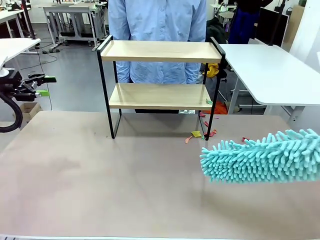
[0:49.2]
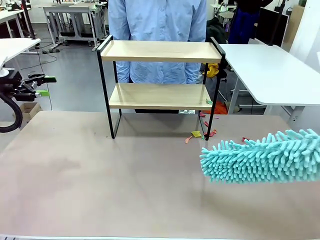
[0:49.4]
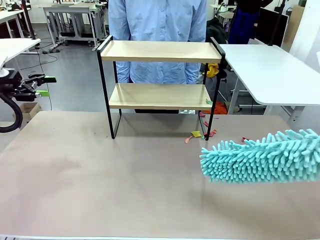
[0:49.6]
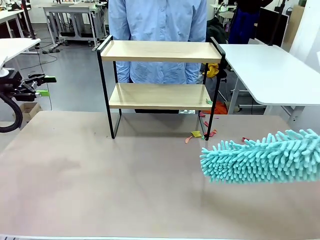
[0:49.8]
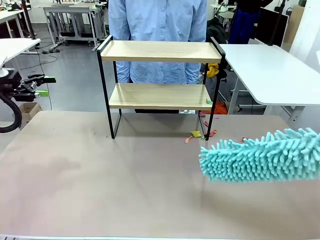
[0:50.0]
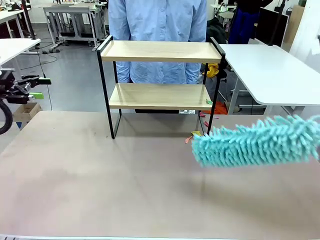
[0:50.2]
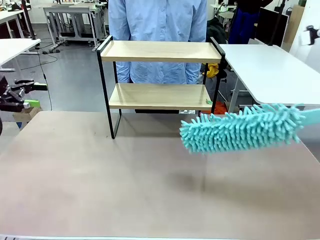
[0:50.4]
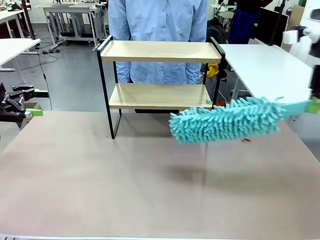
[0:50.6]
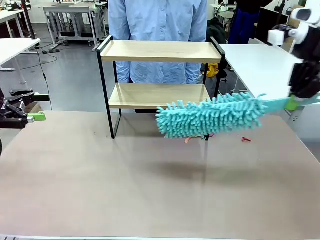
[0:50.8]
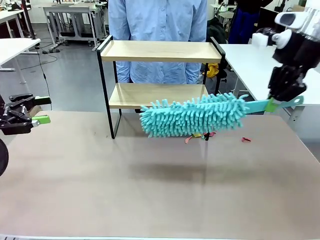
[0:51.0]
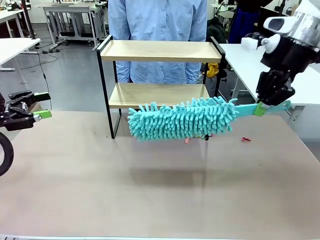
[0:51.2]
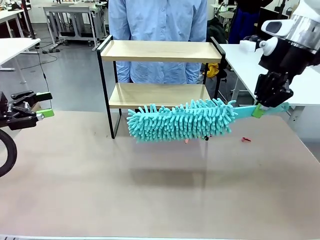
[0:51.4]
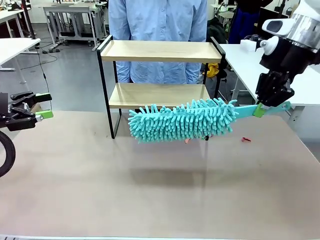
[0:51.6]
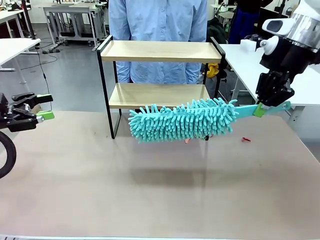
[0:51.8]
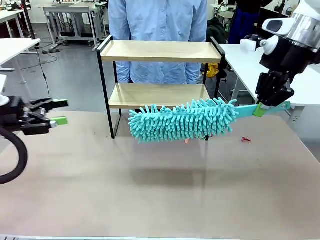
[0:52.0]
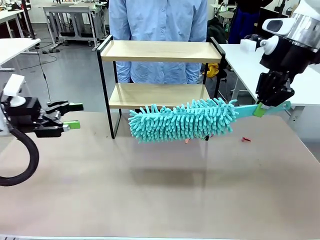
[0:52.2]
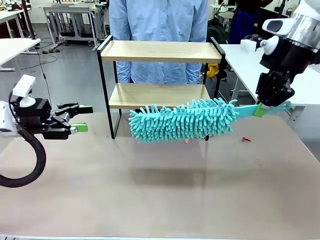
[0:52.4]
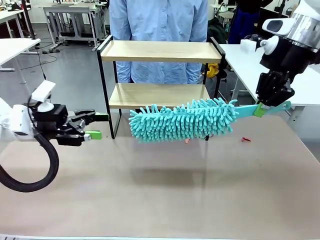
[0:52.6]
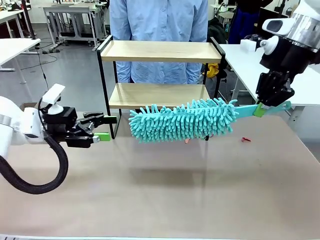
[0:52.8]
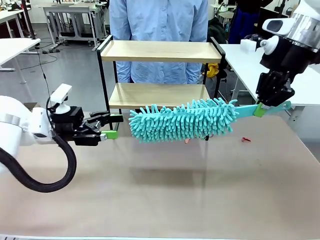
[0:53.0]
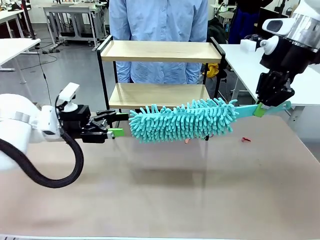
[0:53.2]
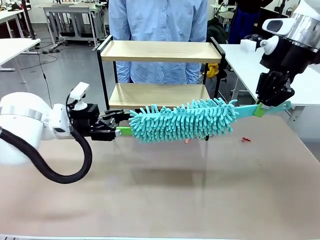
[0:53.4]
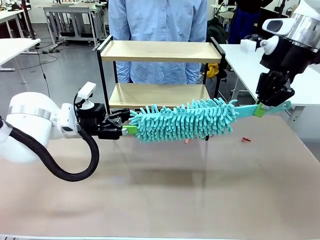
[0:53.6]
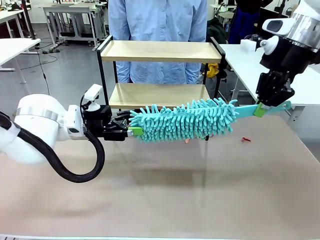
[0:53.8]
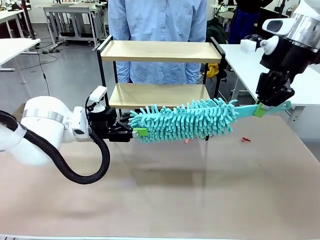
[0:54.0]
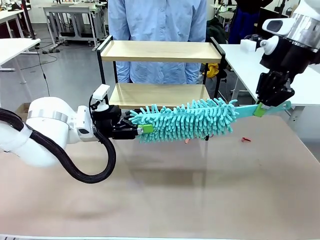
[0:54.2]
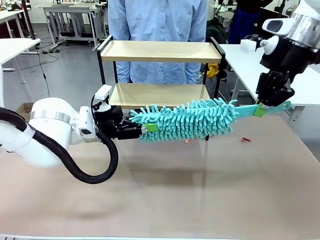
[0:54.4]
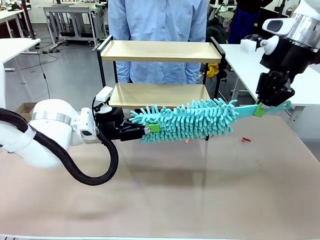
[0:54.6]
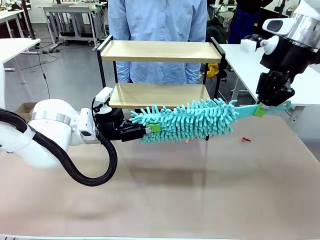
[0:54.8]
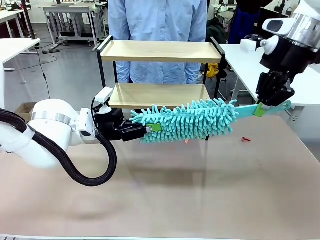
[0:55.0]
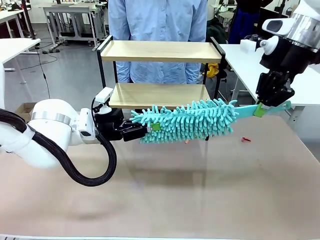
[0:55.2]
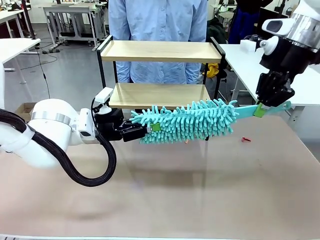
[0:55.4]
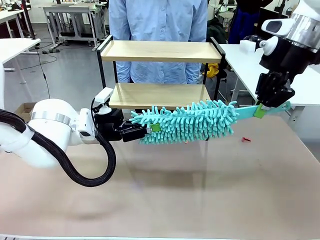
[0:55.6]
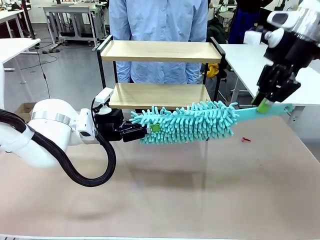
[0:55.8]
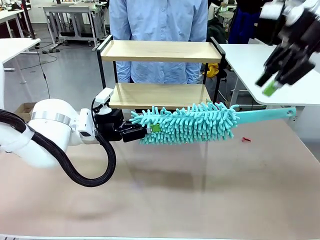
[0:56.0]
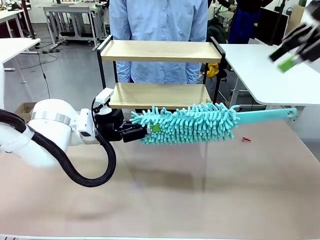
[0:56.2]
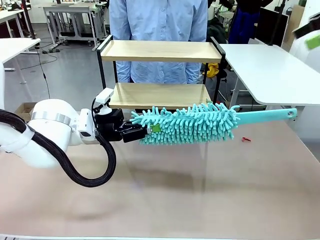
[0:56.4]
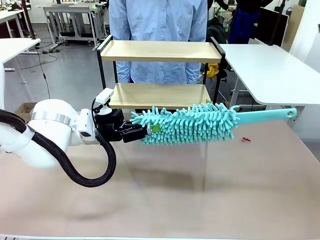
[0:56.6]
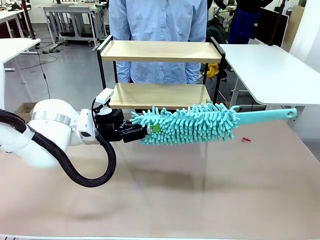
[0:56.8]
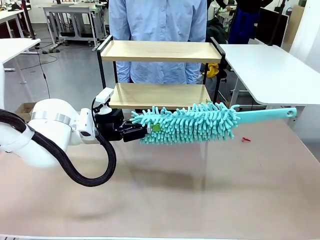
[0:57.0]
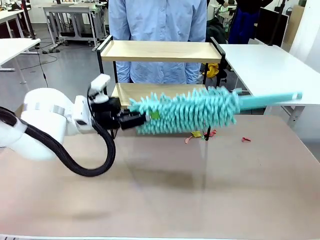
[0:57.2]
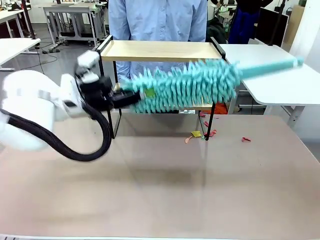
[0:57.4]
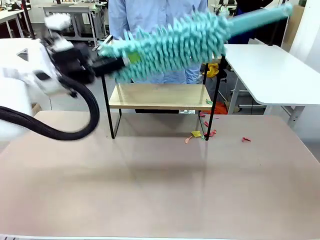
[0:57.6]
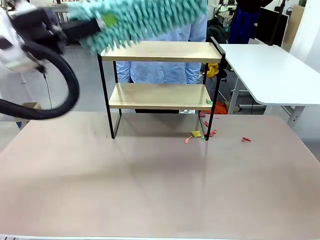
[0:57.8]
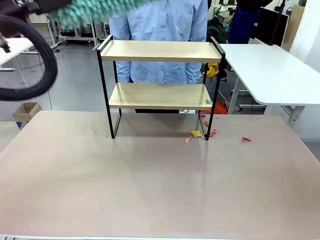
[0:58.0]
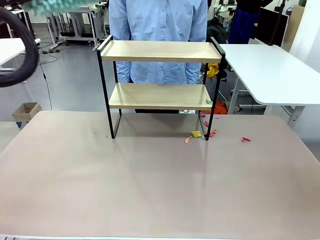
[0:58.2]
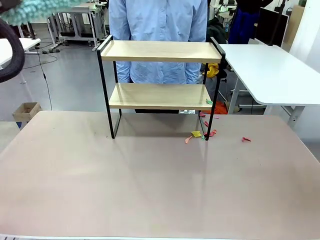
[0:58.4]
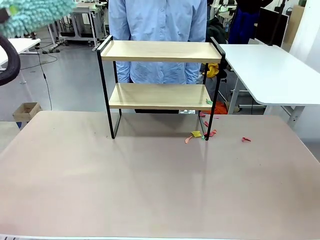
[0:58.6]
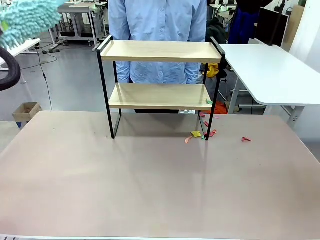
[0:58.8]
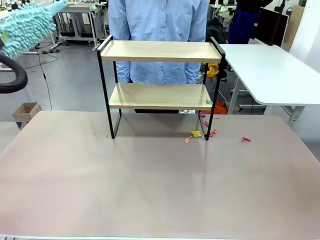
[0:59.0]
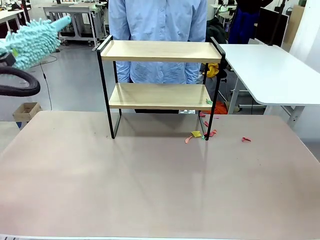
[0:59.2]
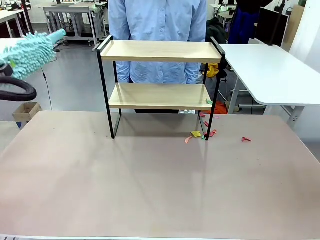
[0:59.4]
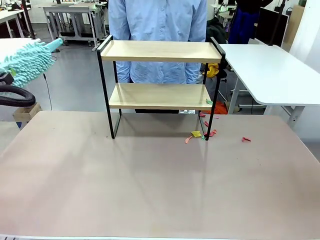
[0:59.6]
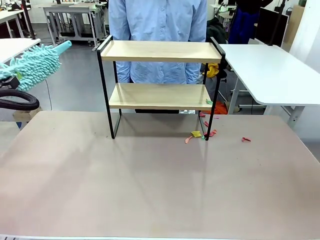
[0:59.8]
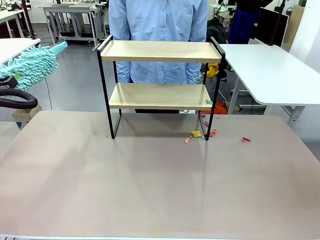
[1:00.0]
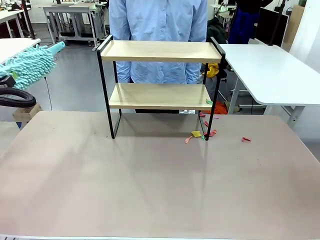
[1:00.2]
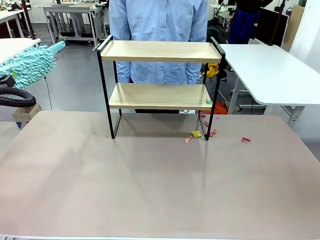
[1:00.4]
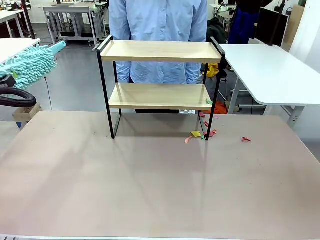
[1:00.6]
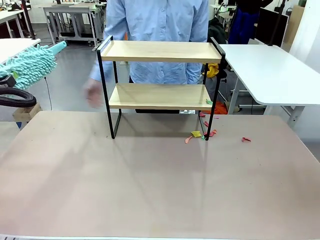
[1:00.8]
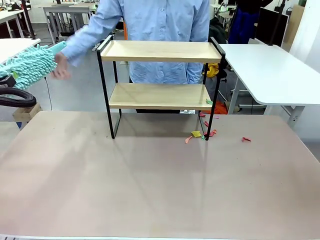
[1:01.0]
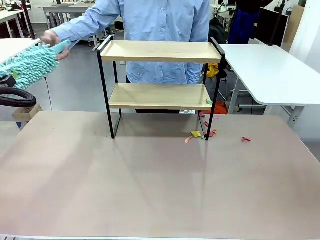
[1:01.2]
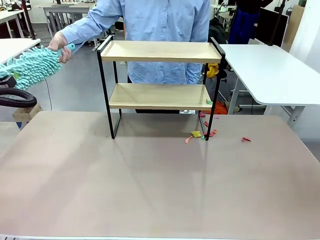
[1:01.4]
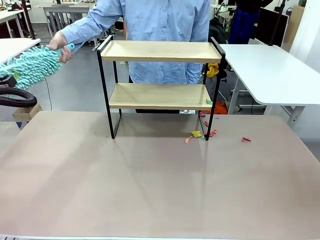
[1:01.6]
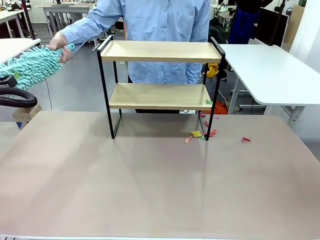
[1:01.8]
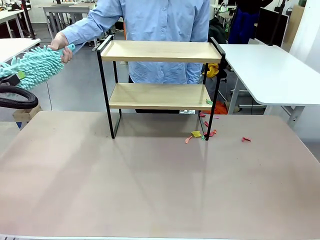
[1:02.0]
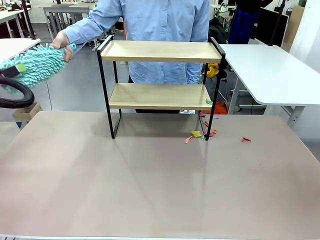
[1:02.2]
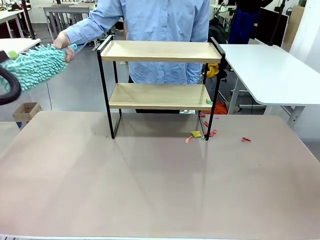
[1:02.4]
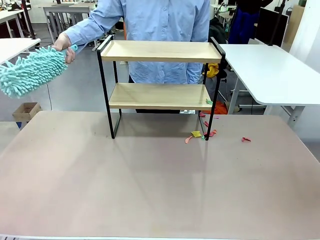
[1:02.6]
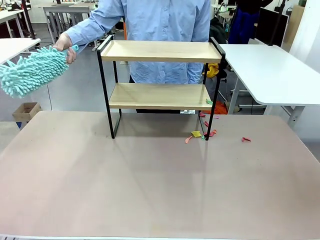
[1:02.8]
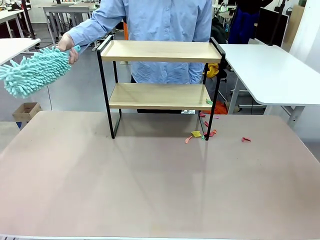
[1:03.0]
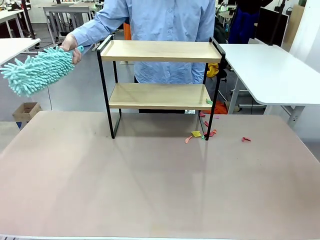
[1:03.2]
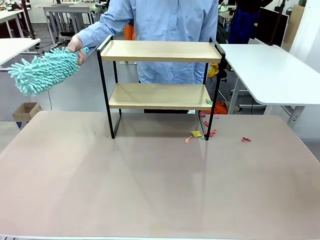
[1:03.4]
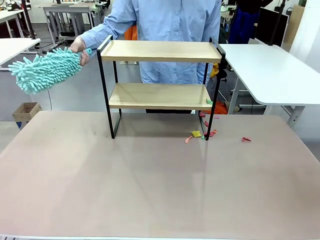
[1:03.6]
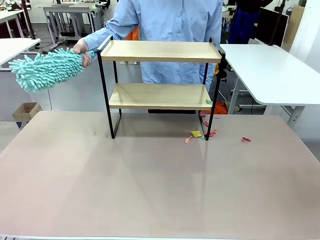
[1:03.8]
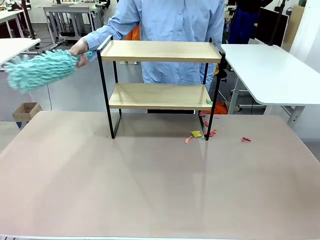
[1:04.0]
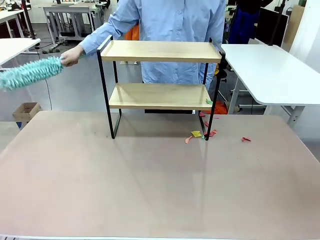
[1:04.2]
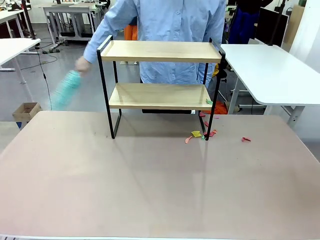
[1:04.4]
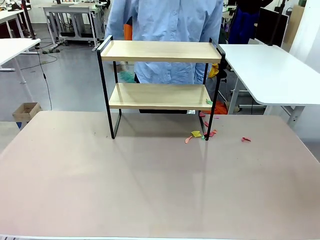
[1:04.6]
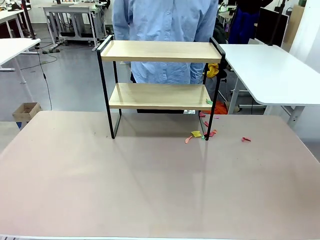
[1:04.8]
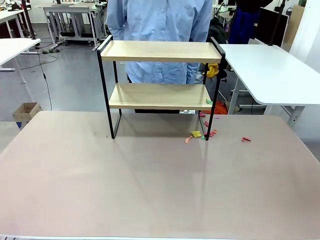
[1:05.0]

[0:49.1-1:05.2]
Task: Clean the shelf.
Robot: Hand the Duster back to the human.
Person: Receive the Duster from the robot.
